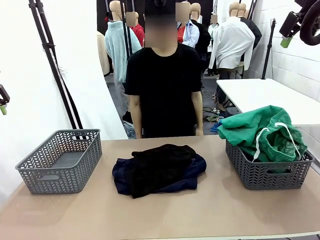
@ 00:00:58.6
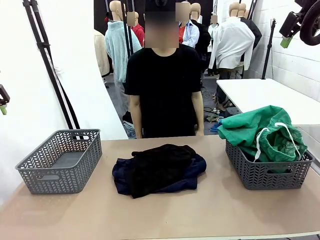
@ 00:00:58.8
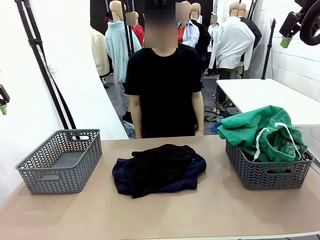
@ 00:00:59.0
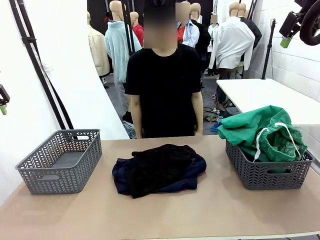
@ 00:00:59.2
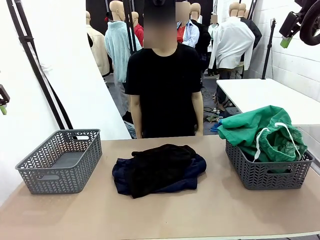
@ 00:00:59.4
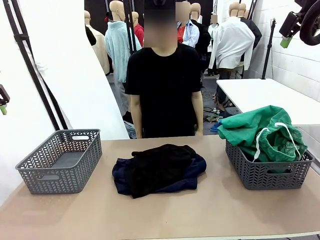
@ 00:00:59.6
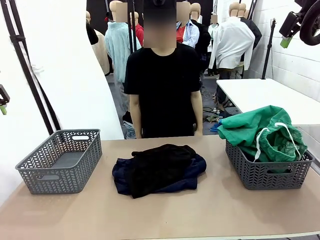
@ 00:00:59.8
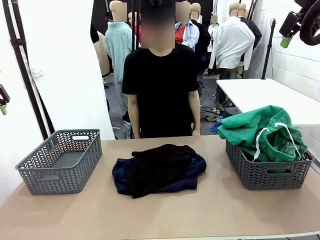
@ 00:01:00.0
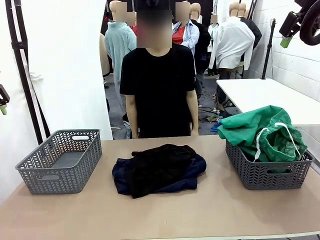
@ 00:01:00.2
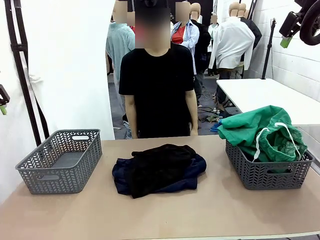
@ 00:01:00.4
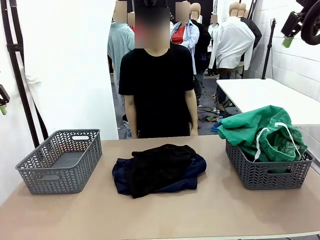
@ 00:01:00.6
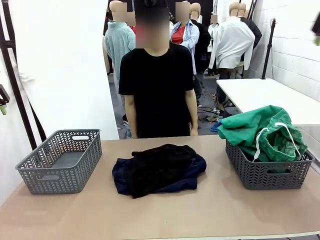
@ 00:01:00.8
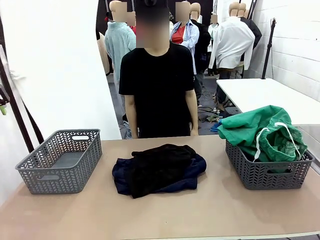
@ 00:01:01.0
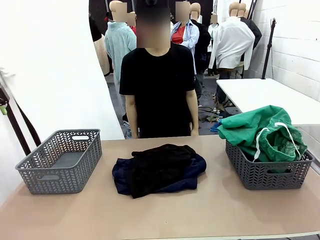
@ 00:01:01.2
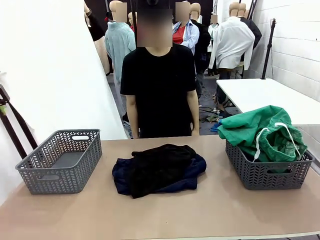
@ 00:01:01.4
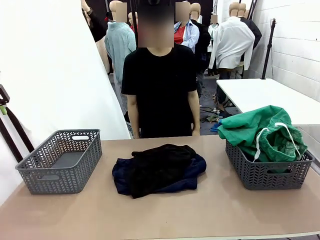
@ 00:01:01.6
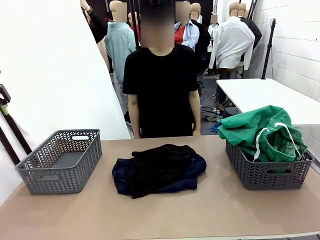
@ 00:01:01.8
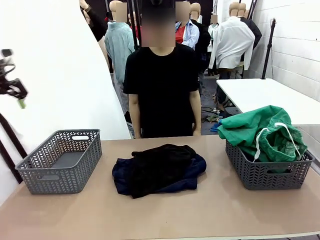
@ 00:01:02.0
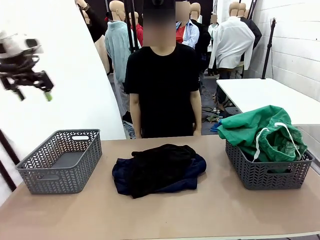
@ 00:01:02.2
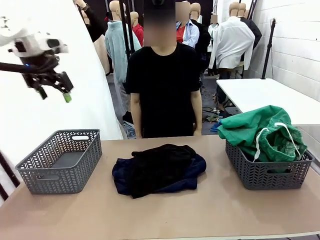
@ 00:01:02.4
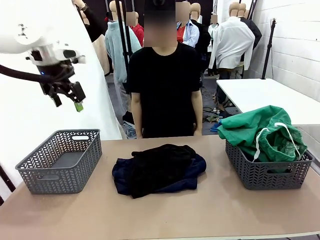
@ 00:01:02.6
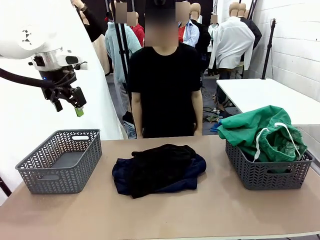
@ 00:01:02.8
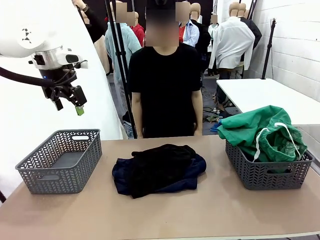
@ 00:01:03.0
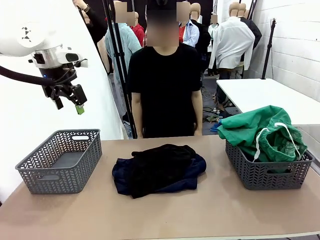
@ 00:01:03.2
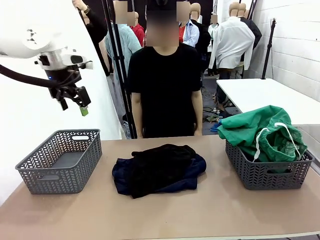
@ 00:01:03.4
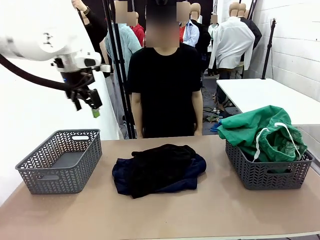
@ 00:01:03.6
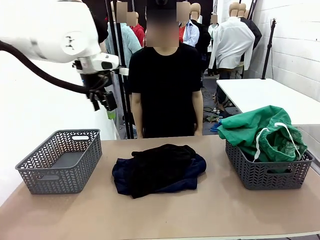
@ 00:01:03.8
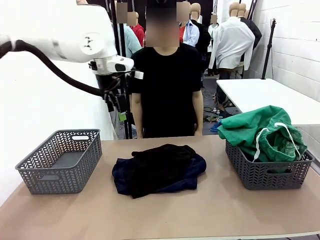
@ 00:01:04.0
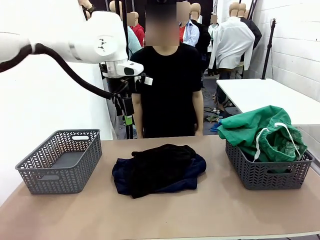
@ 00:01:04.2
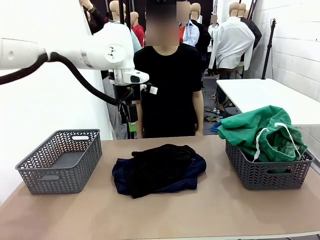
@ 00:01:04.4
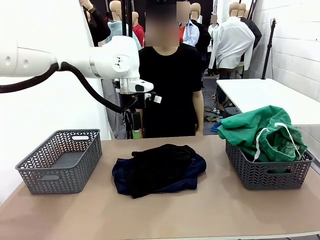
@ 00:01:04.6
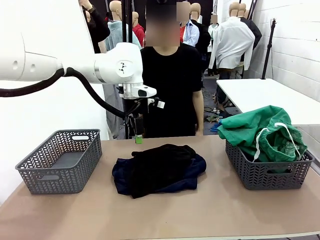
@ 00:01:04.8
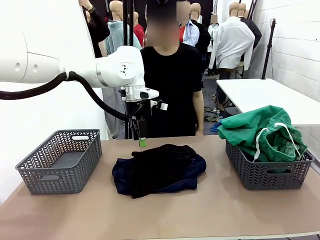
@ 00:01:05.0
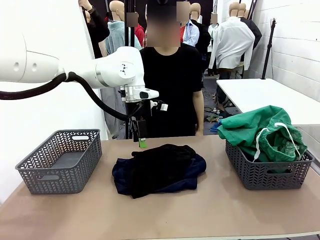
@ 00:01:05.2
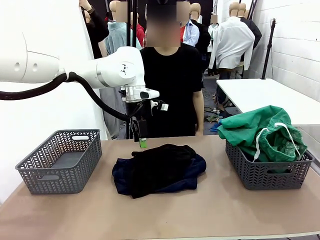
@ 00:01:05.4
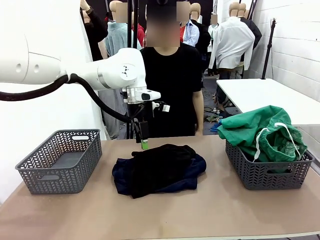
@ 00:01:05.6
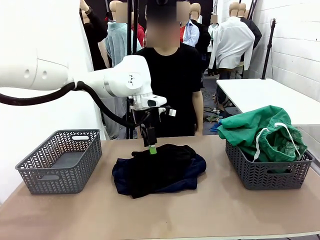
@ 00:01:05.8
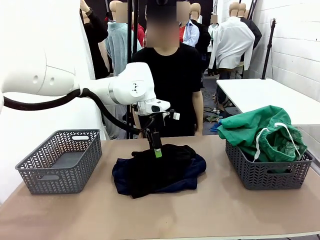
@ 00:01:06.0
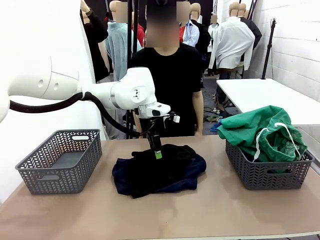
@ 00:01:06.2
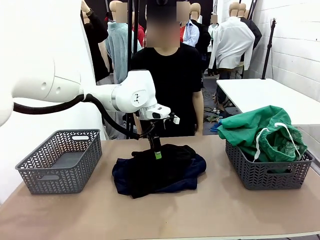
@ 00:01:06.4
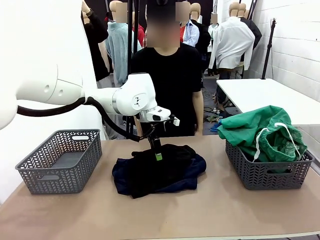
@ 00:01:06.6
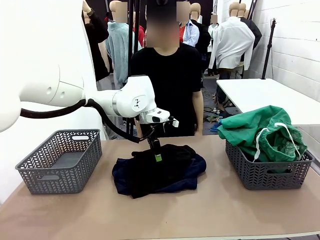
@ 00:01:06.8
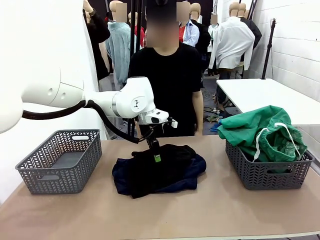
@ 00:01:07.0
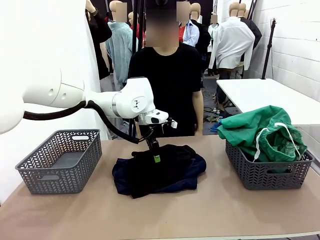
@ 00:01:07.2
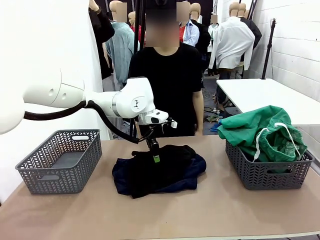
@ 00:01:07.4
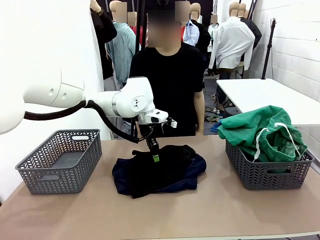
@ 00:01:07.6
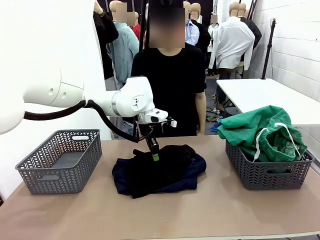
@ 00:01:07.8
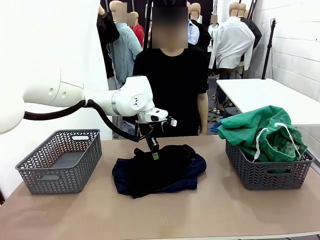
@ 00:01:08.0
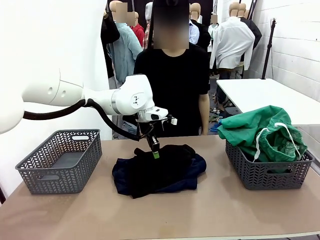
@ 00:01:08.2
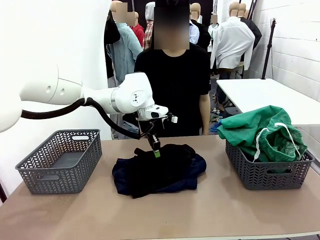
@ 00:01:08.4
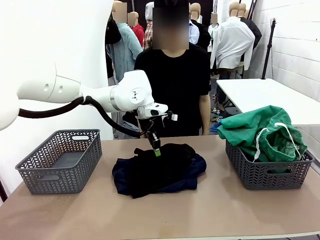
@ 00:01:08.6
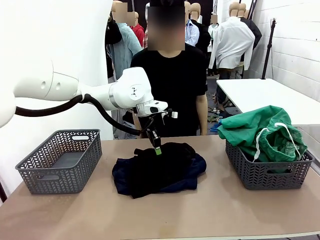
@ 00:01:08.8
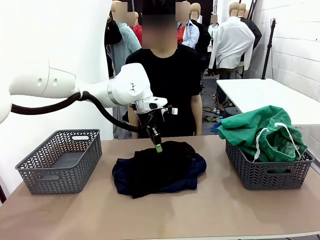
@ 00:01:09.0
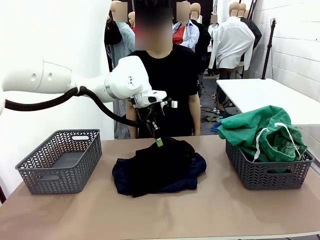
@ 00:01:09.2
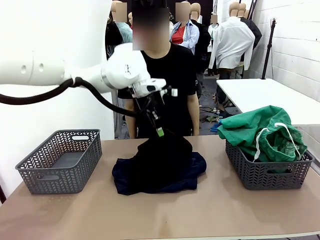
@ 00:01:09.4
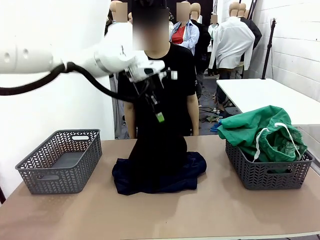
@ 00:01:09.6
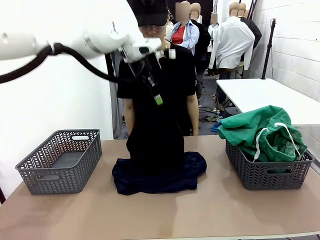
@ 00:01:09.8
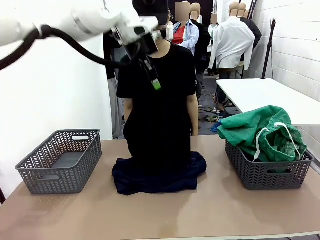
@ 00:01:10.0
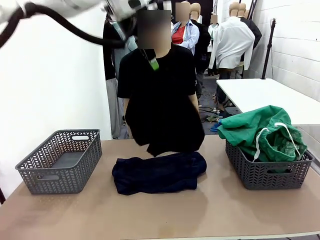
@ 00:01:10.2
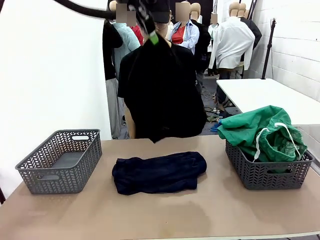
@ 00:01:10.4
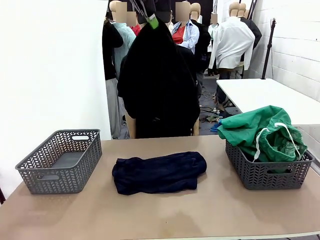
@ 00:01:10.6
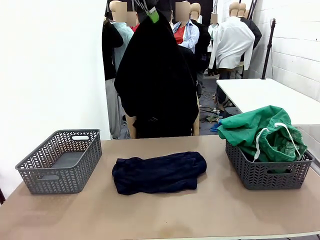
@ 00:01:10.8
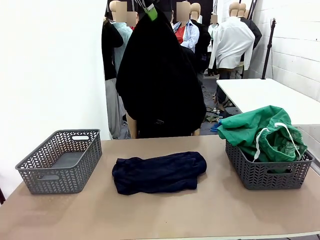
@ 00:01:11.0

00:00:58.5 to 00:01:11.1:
Task: Sort the tops and bottoms.
Robot: Lift clothes from the center of the table with your left hand.

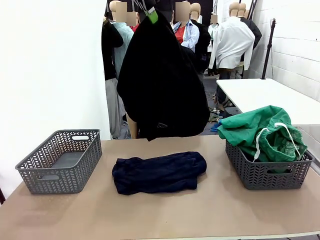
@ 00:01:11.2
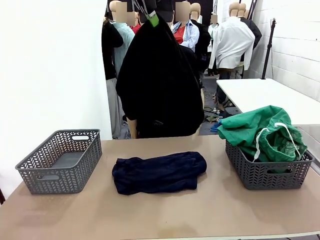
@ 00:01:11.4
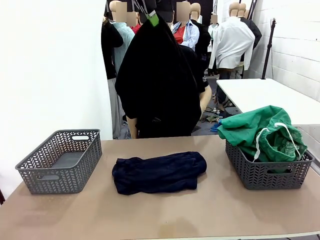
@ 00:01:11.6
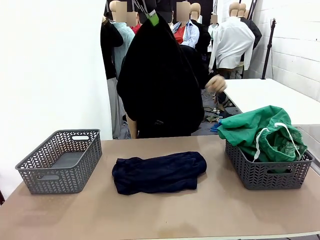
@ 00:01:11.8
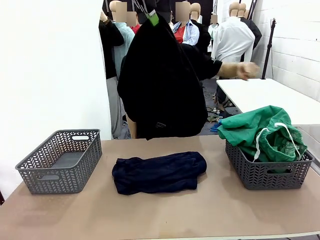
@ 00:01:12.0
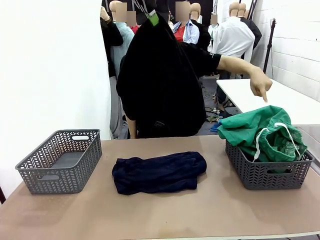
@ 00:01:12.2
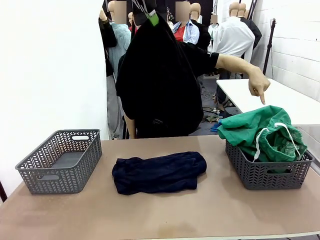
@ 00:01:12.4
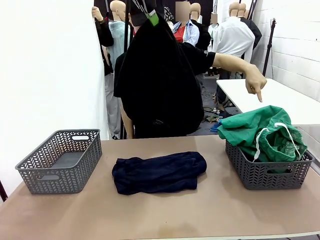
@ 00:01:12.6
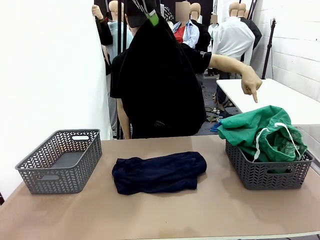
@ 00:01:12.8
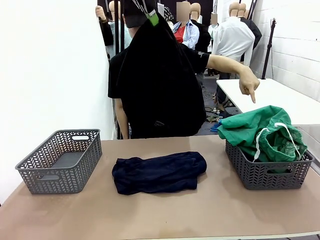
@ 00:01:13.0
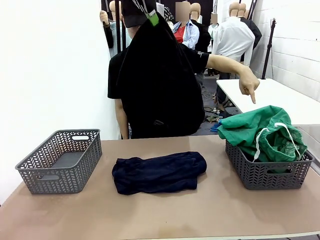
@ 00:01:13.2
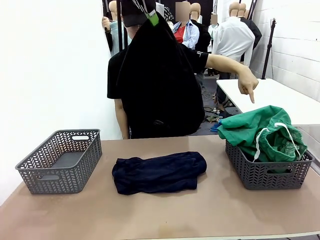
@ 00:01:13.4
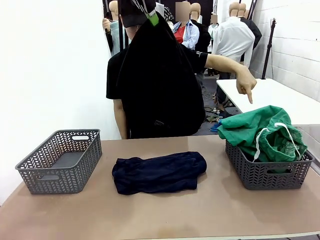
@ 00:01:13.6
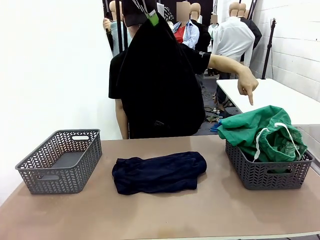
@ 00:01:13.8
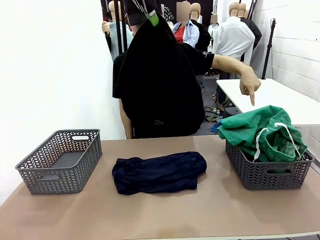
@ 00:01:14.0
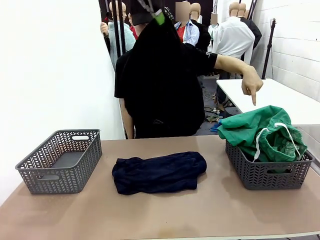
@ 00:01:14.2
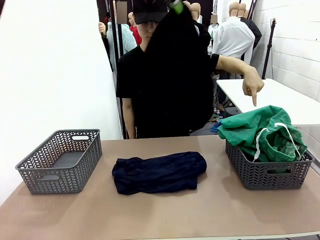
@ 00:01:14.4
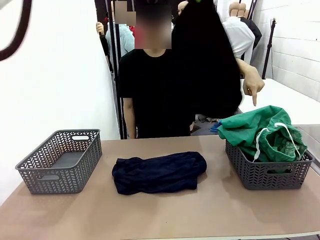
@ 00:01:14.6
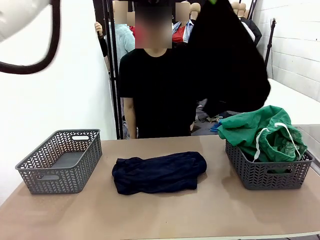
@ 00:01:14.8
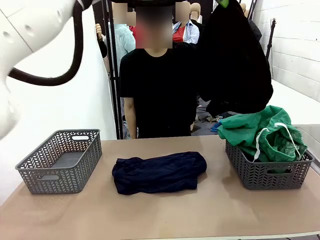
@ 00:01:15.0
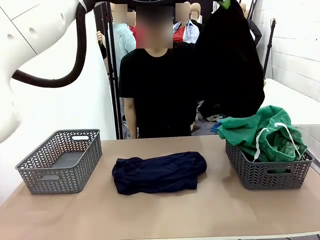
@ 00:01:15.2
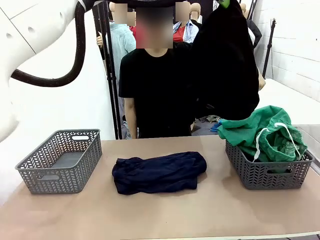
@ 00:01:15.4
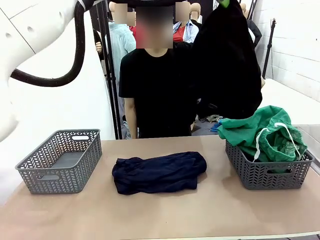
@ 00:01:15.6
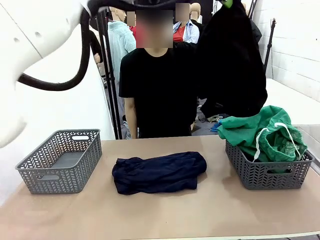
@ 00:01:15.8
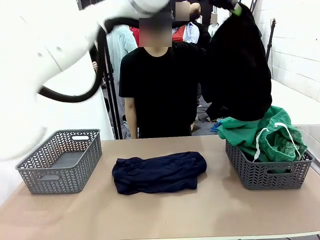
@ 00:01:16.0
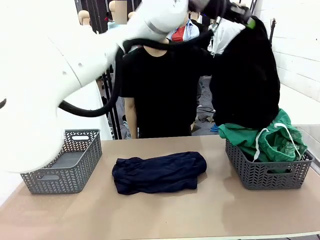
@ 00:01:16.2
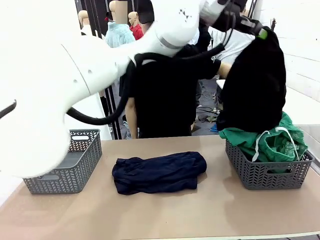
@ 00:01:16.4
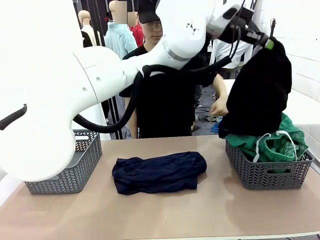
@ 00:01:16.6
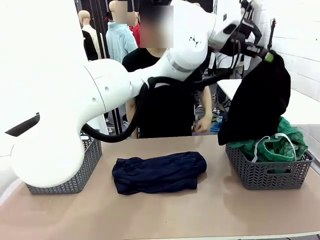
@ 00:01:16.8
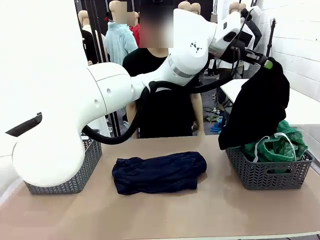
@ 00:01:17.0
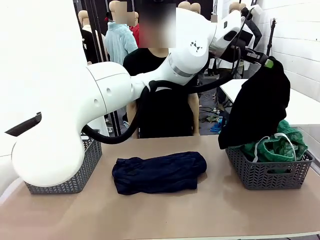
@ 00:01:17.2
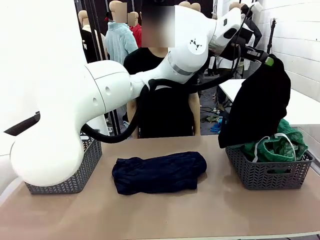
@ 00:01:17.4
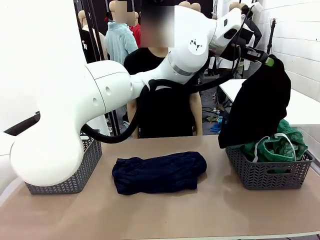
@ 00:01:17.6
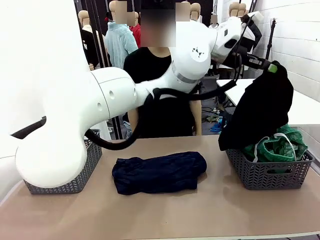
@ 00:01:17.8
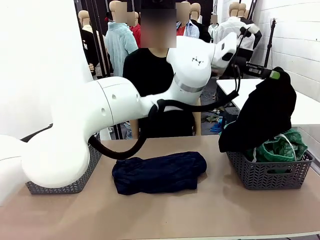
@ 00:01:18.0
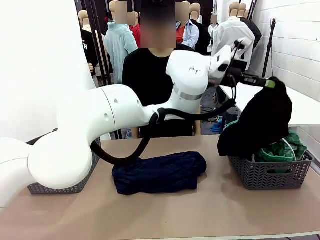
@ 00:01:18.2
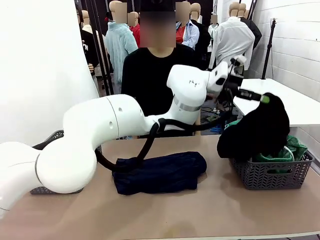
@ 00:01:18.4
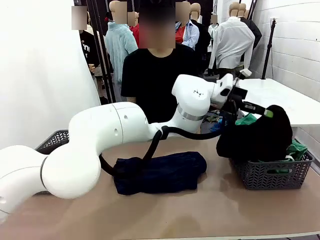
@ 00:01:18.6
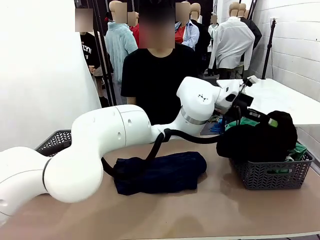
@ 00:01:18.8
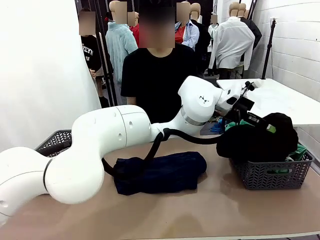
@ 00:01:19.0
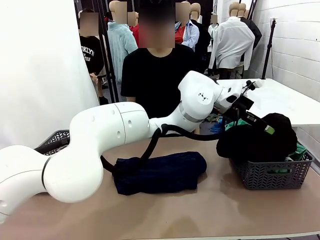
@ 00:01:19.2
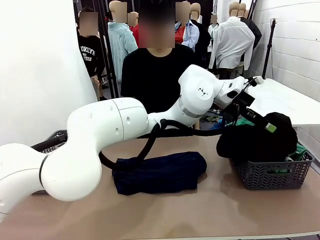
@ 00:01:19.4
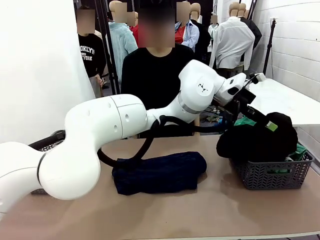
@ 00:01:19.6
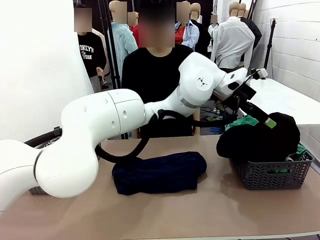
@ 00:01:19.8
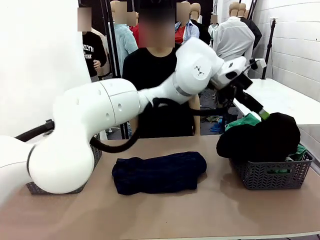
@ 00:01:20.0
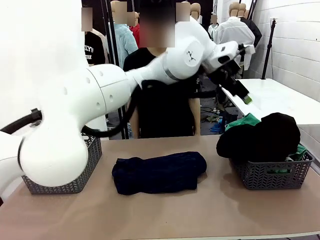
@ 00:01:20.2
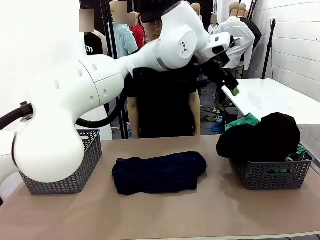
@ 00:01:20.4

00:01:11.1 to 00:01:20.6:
Robot: Sort the clothes according to human instructions.
